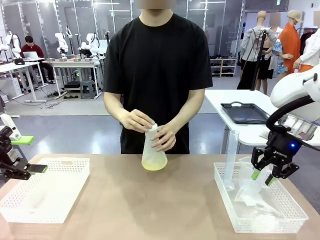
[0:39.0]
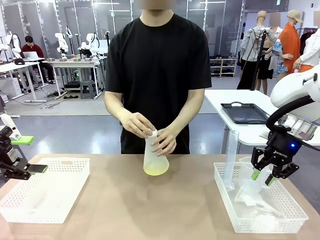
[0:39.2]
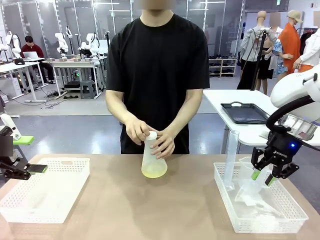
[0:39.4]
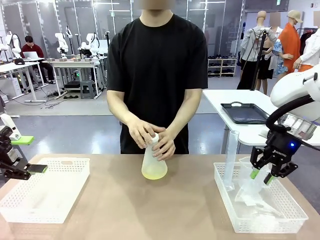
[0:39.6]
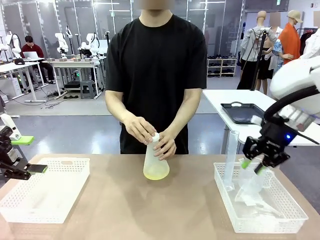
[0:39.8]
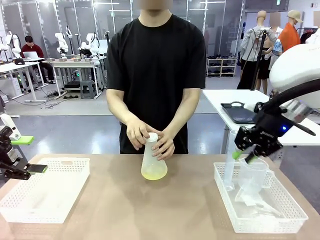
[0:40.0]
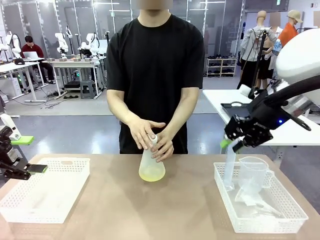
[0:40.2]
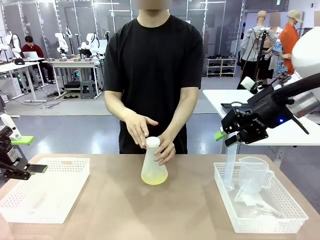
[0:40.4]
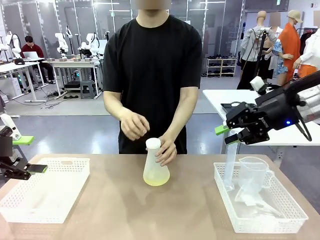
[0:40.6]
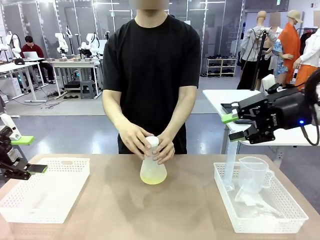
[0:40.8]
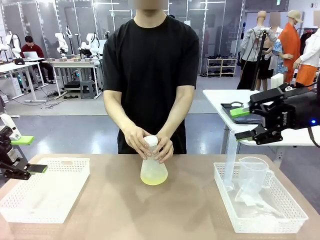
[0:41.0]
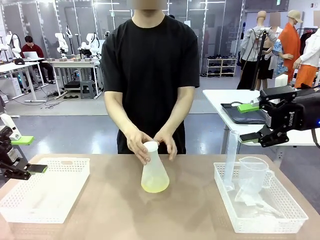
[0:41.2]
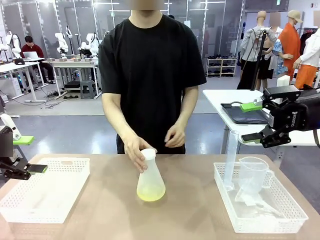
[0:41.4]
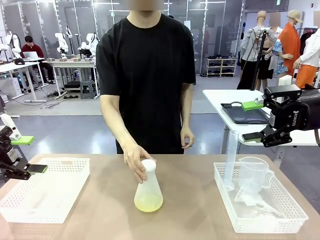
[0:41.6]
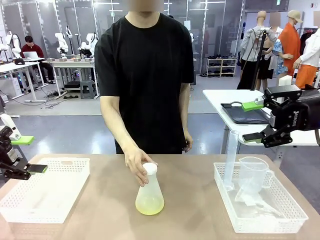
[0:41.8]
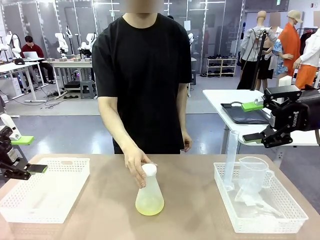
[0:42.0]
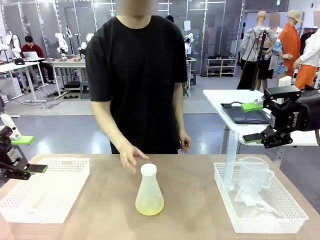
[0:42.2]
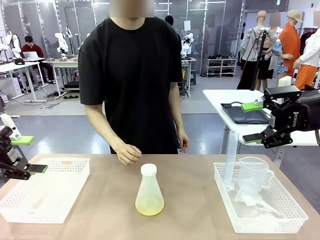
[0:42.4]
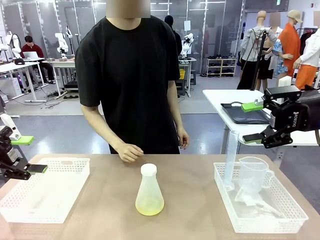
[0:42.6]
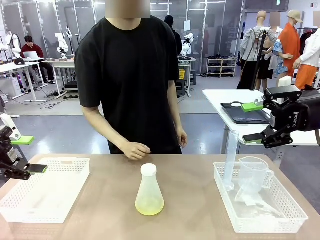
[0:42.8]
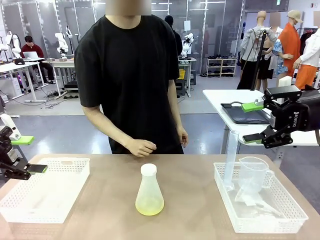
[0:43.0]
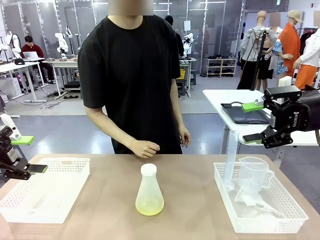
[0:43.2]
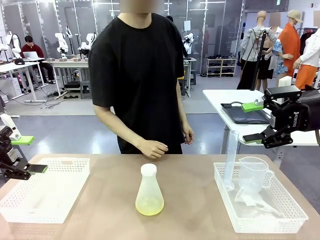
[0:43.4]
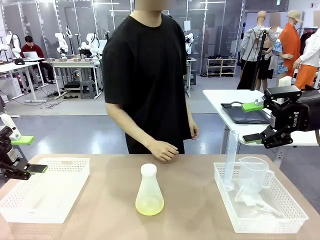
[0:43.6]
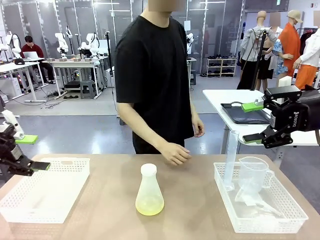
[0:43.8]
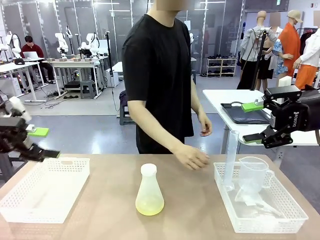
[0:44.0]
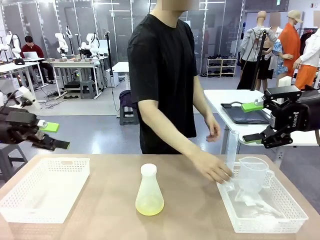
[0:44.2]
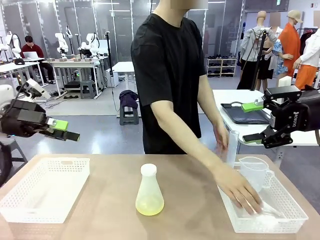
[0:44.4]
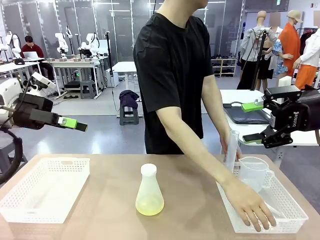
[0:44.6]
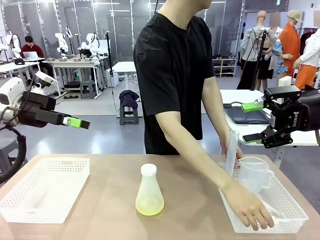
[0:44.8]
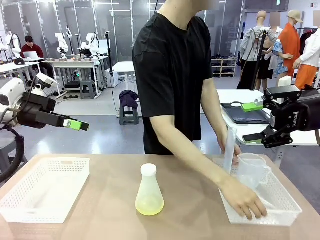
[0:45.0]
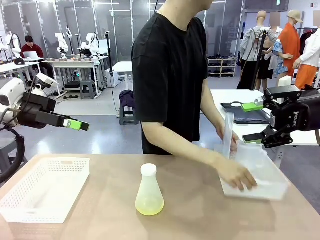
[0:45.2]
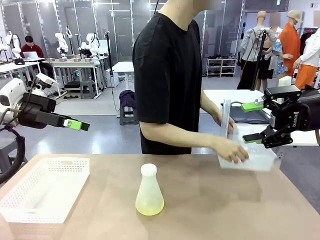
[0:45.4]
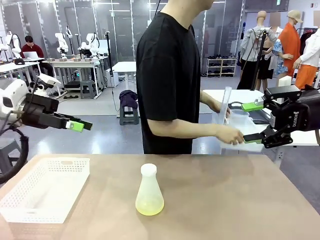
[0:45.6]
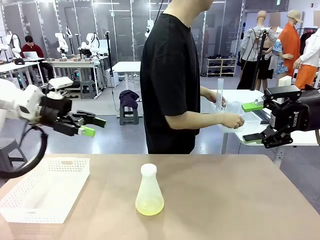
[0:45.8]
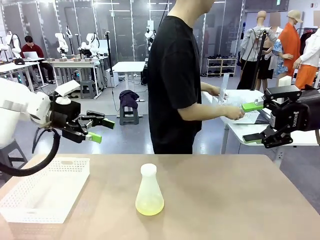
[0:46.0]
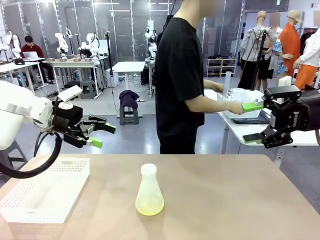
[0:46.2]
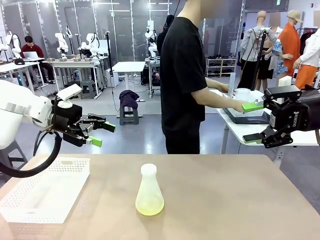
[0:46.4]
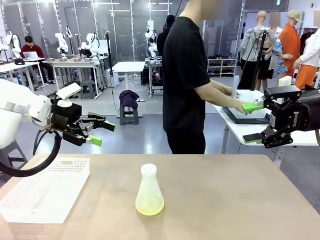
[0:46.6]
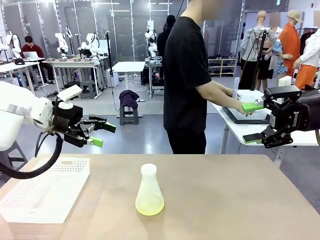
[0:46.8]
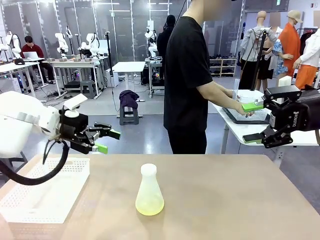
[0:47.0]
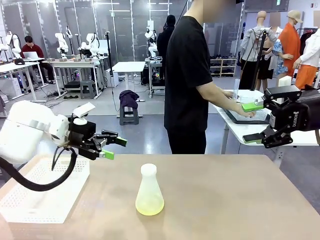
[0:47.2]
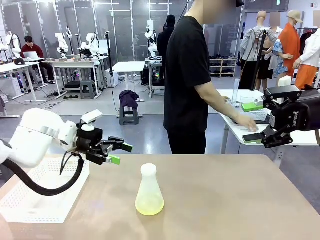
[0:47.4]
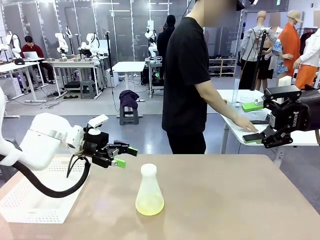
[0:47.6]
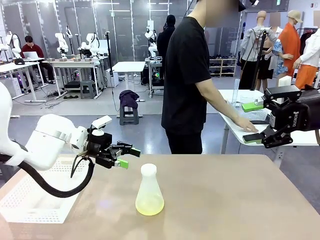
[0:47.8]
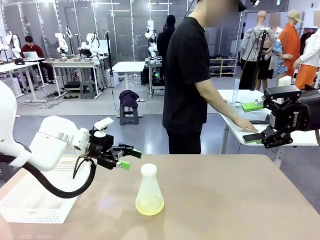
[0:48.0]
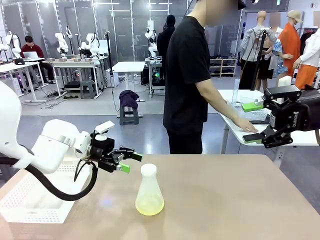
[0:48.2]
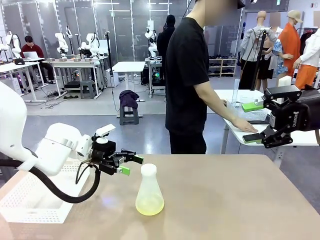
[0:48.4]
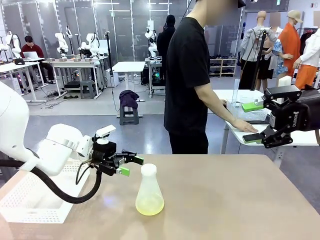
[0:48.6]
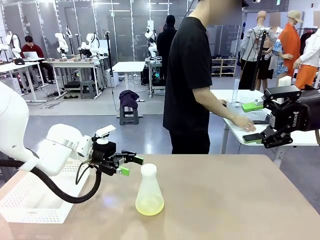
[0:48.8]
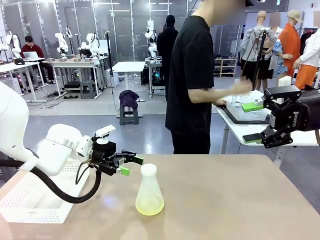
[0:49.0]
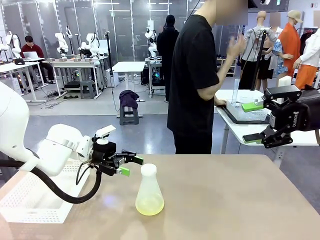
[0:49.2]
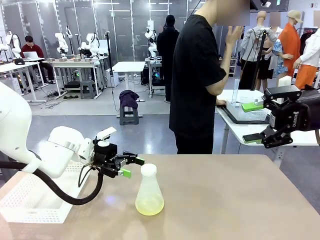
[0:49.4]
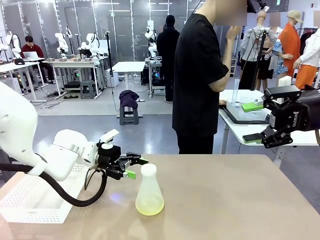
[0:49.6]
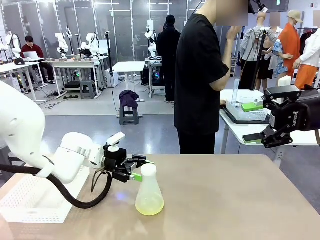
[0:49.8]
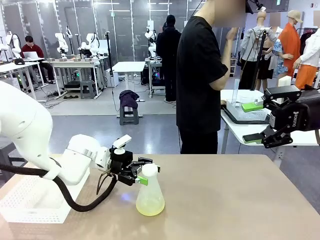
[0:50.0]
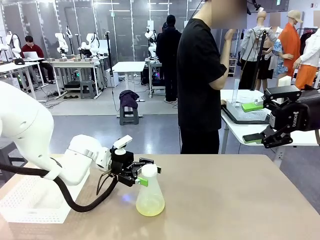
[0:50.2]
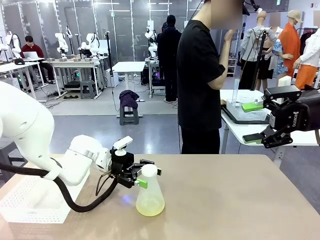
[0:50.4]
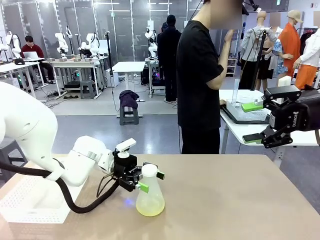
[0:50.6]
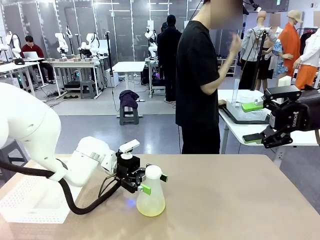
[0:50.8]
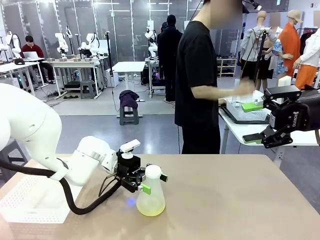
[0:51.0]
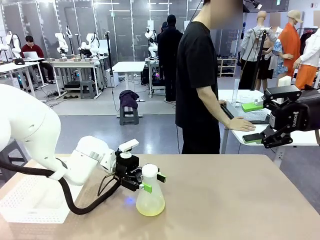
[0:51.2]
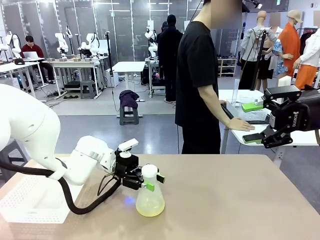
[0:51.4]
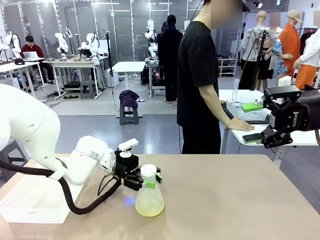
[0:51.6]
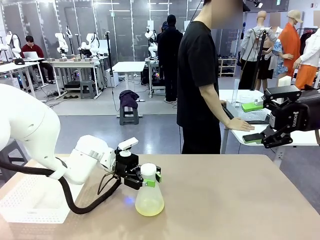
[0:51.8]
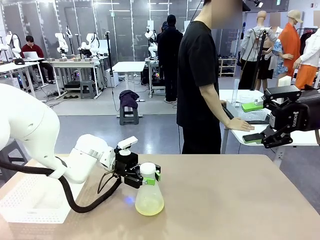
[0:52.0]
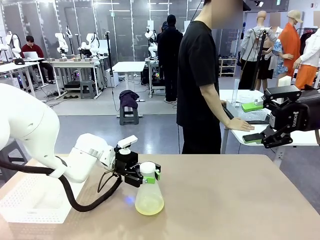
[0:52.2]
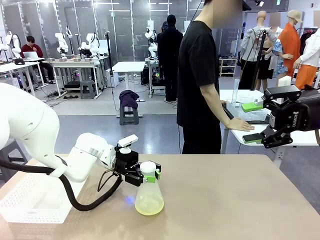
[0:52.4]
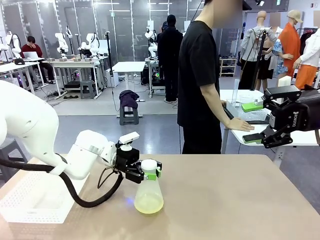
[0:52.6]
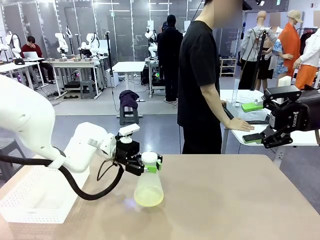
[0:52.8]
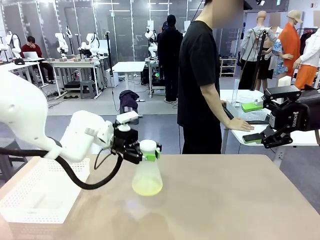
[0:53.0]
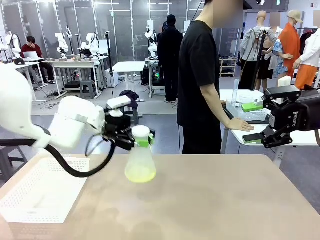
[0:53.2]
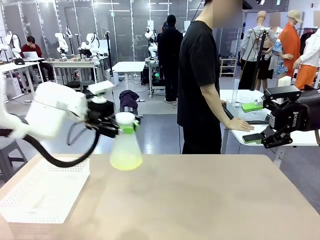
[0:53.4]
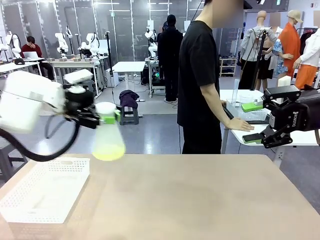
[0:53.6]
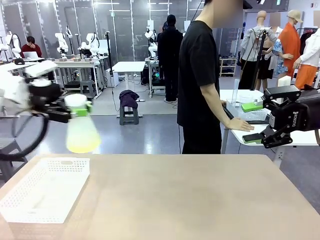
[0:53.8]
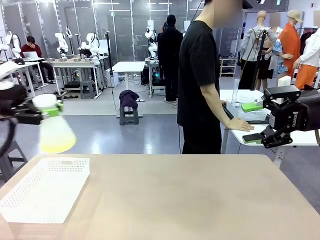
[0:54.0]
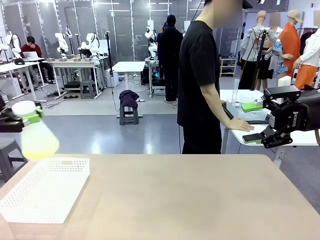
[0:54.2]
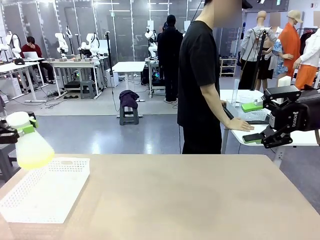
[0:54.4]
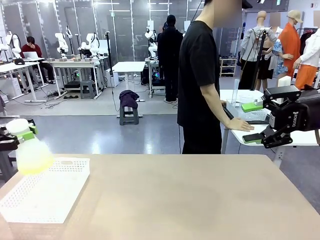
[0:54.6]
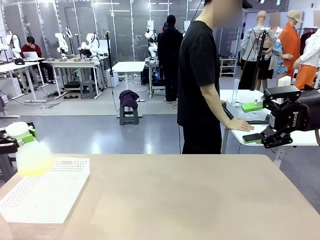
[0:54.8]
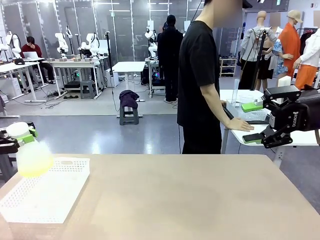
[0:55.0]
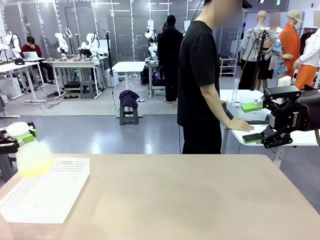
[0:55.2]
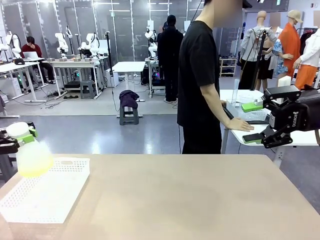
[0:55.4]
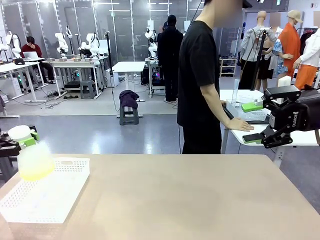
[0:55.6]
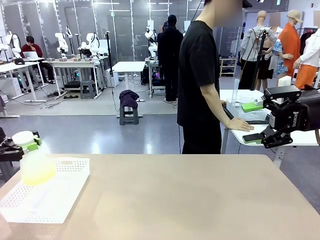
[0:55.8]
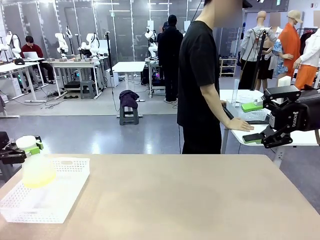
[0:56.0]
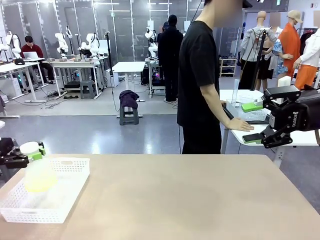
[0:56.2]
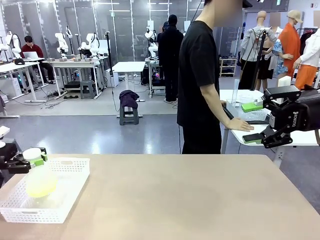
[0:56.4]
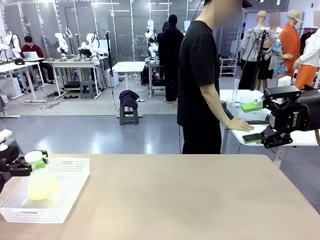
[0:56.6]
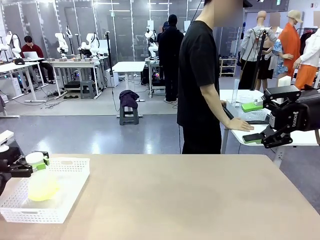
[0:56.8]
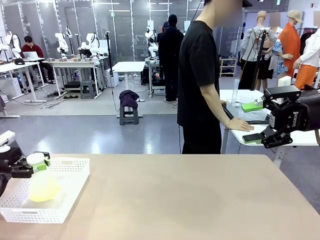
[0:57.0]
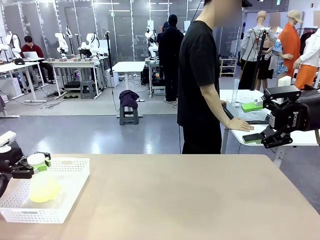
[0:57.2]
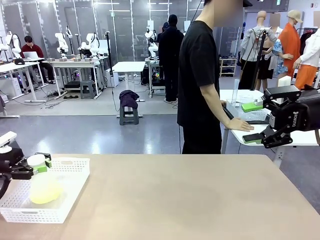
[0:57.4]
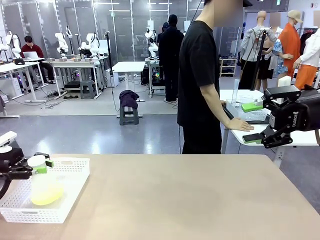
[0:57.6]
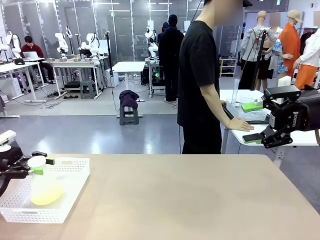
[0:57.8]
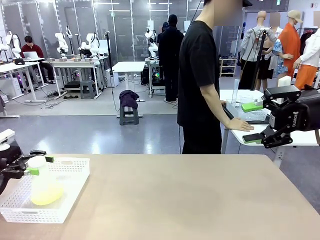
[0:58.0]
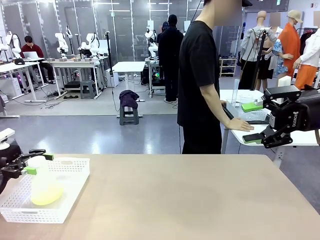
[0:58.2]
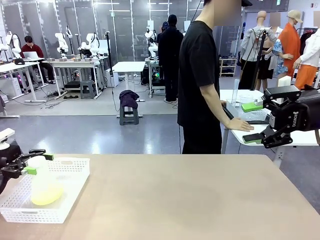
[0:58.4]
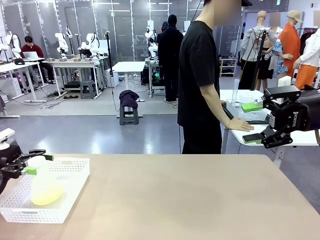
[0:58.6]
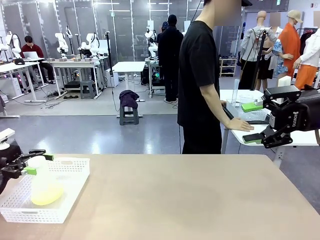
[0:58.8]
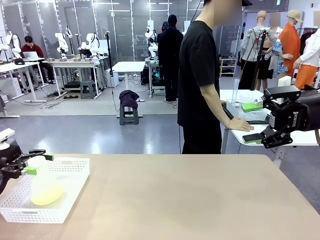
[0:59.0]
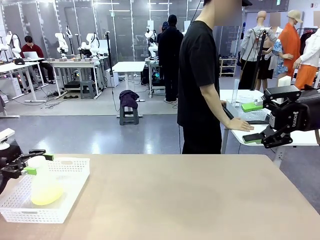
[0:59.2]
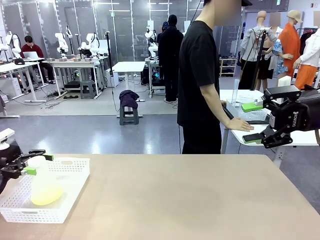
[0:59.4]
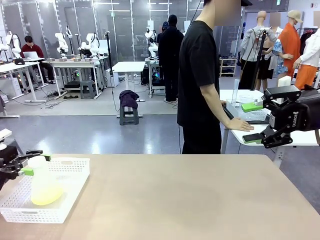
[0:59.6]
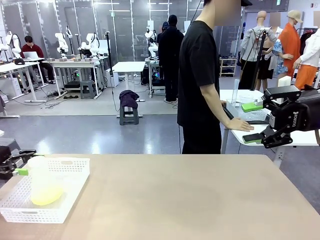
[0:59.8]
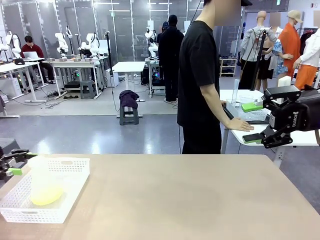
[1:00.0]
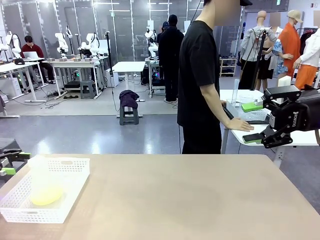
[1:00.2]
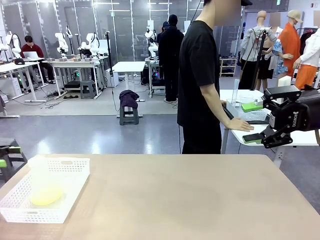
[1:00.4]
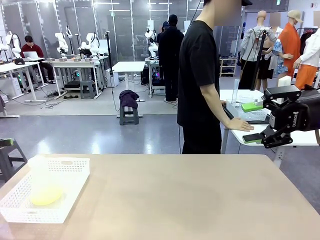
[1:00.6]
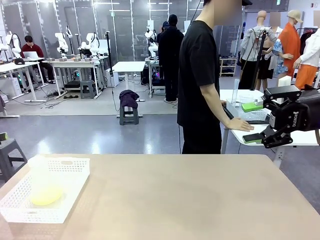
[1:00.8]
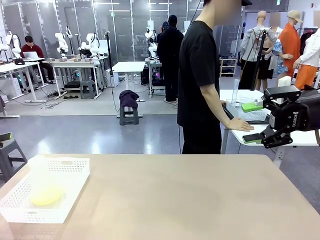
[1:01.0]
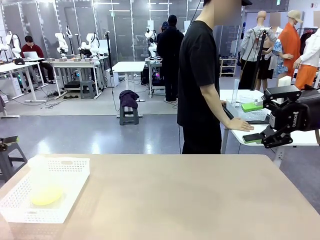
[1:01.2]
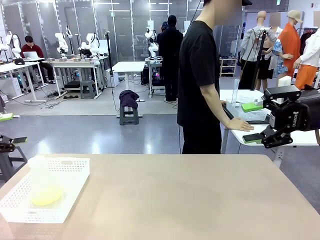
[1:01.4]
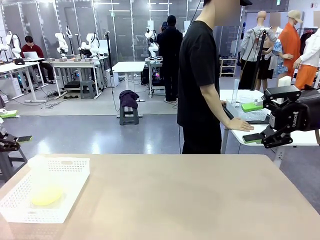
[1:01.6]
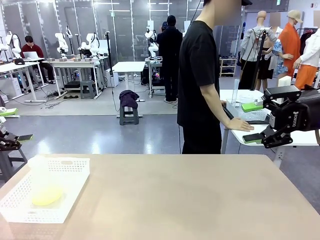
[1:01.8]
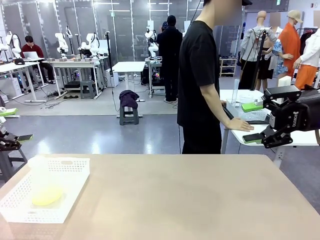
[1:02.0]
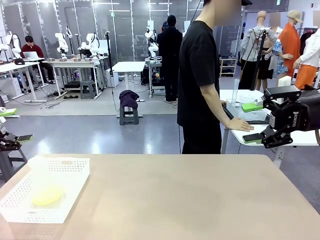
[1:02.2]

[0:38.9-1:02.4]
Task: Prepare the solutions needed for the experiment.
Robot: When the human places the Big flask in the center of the table, pick up the Big flask and place it in the left Organizing basket.
Person: Pick up the organizing basket on the left side of the robot table and place it on the left side of the human table.
